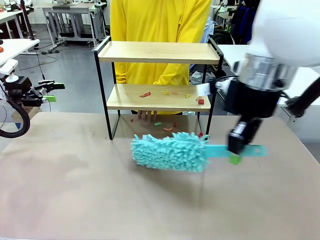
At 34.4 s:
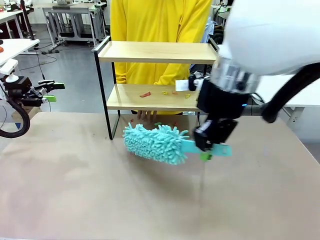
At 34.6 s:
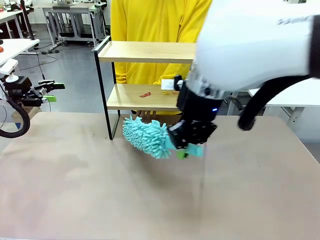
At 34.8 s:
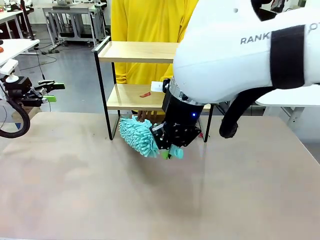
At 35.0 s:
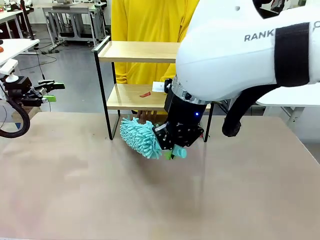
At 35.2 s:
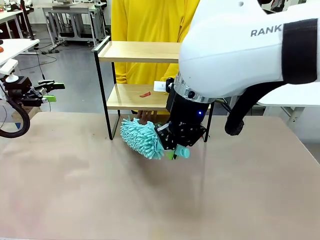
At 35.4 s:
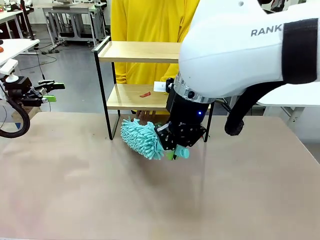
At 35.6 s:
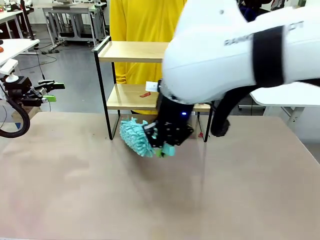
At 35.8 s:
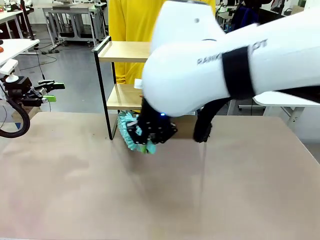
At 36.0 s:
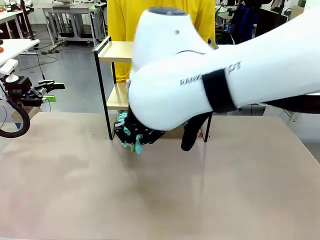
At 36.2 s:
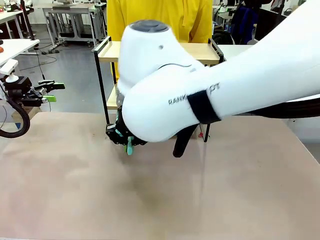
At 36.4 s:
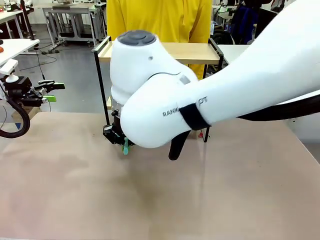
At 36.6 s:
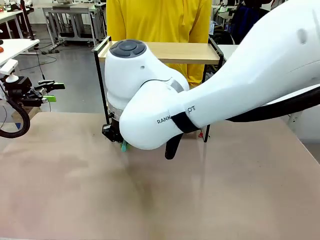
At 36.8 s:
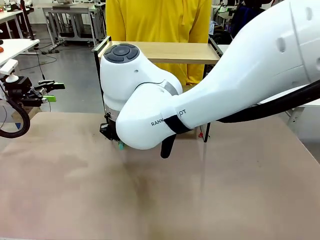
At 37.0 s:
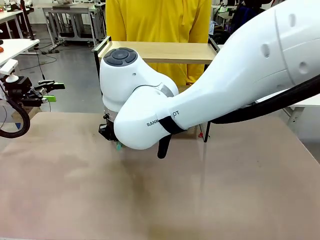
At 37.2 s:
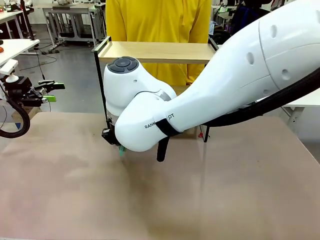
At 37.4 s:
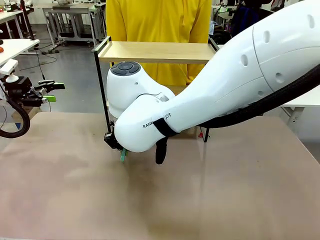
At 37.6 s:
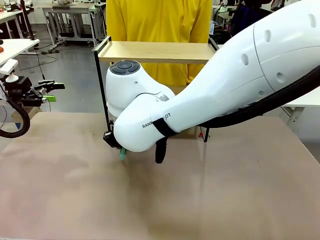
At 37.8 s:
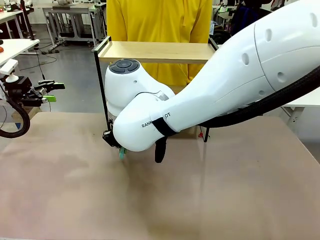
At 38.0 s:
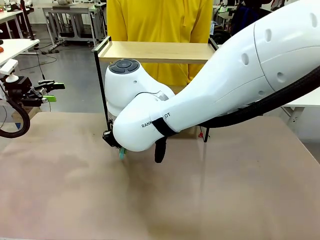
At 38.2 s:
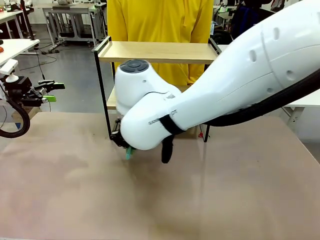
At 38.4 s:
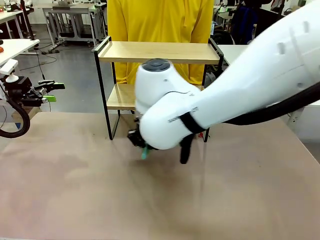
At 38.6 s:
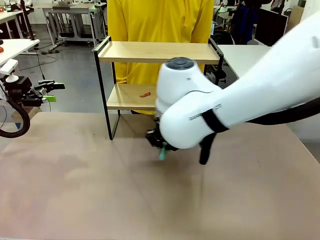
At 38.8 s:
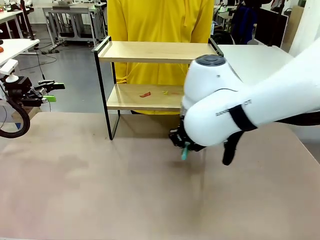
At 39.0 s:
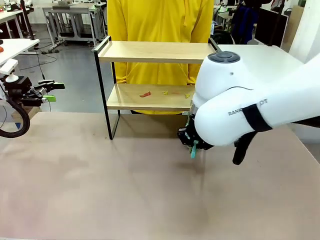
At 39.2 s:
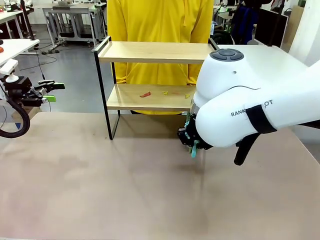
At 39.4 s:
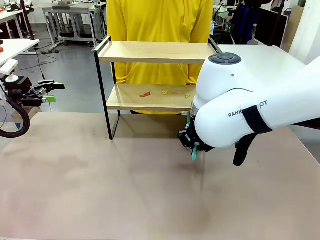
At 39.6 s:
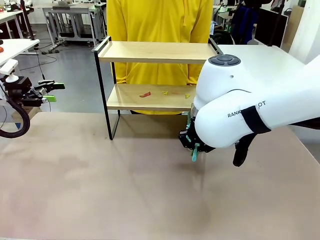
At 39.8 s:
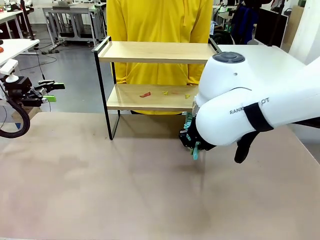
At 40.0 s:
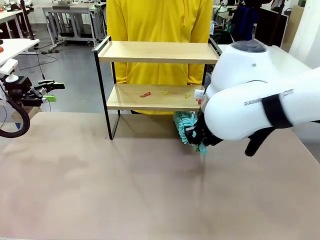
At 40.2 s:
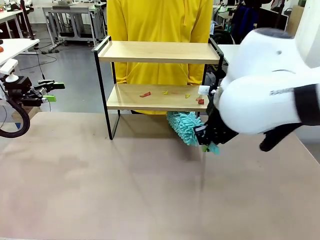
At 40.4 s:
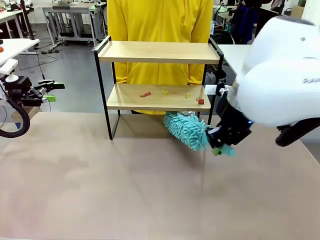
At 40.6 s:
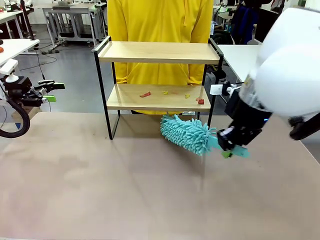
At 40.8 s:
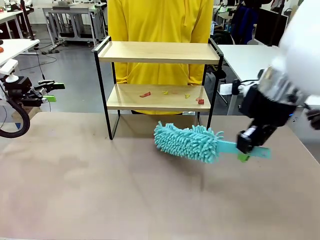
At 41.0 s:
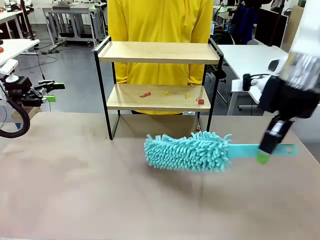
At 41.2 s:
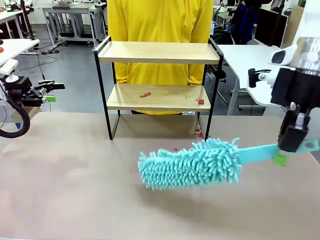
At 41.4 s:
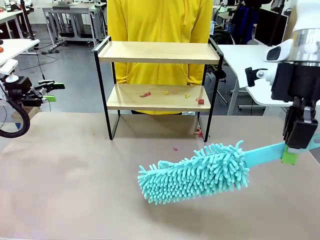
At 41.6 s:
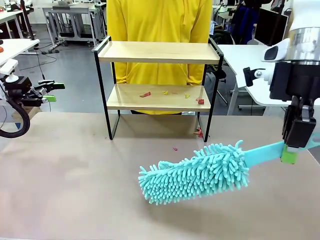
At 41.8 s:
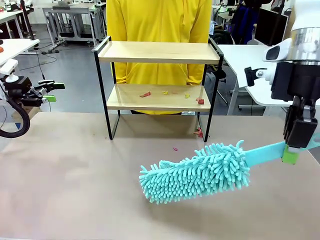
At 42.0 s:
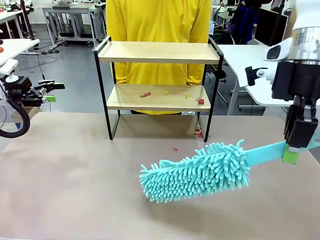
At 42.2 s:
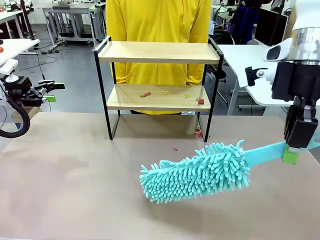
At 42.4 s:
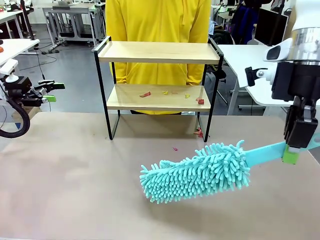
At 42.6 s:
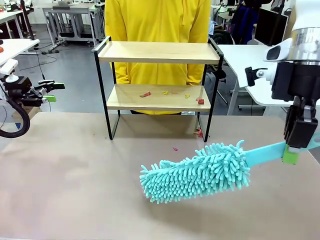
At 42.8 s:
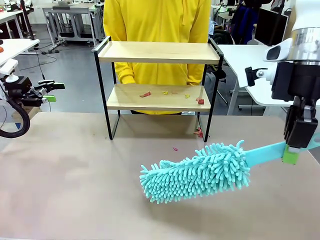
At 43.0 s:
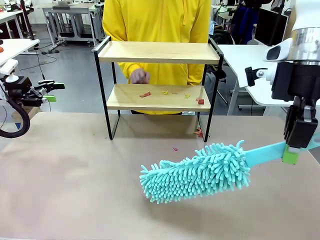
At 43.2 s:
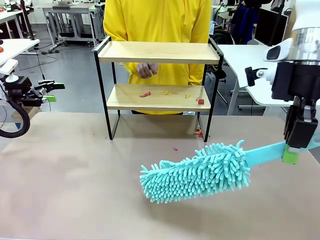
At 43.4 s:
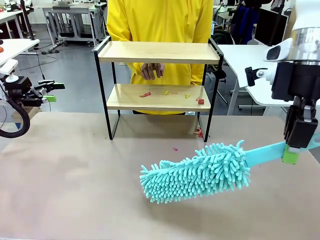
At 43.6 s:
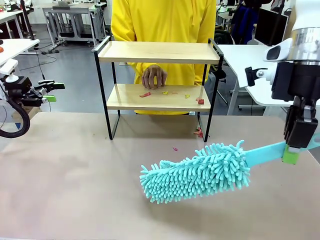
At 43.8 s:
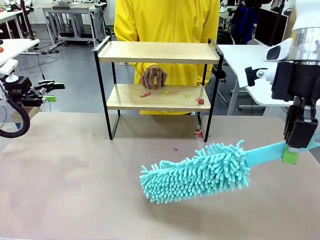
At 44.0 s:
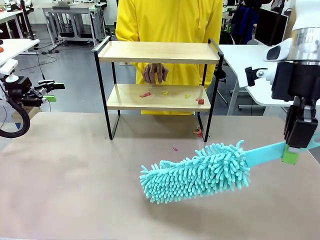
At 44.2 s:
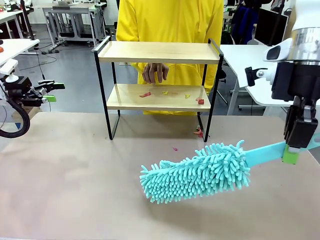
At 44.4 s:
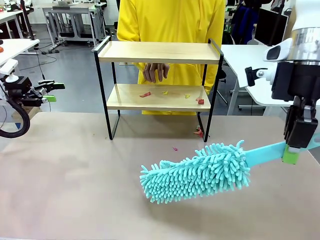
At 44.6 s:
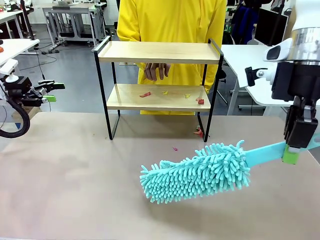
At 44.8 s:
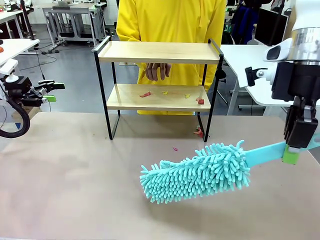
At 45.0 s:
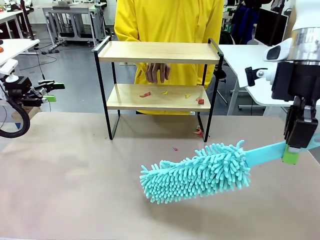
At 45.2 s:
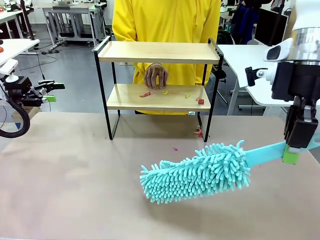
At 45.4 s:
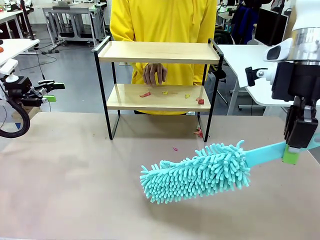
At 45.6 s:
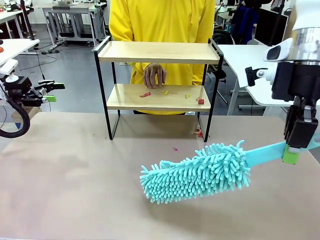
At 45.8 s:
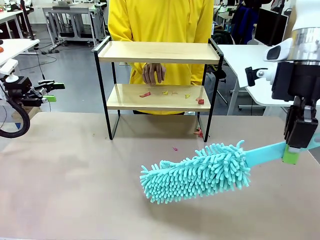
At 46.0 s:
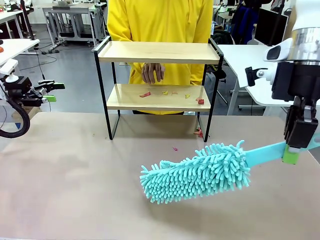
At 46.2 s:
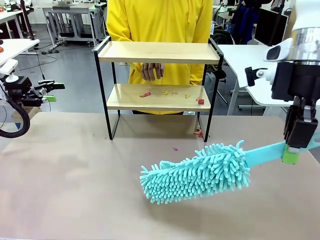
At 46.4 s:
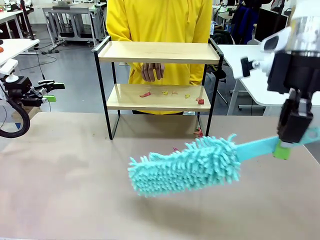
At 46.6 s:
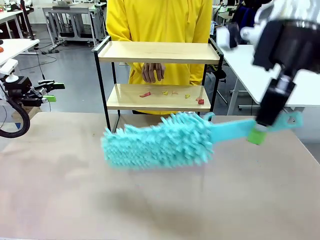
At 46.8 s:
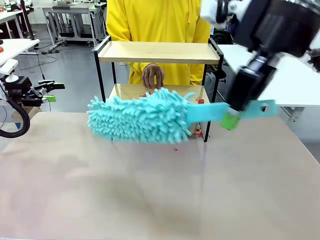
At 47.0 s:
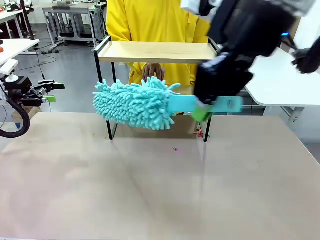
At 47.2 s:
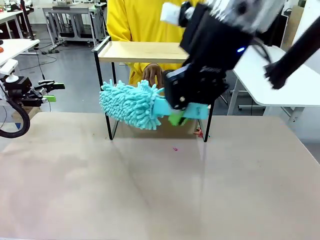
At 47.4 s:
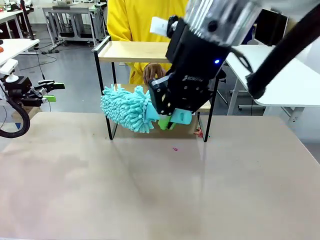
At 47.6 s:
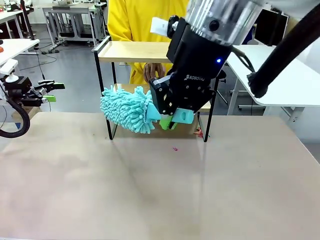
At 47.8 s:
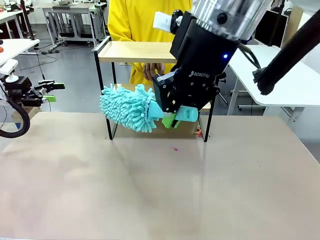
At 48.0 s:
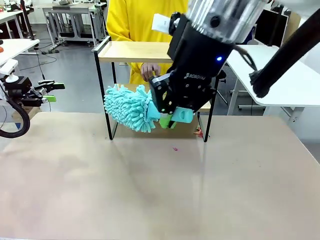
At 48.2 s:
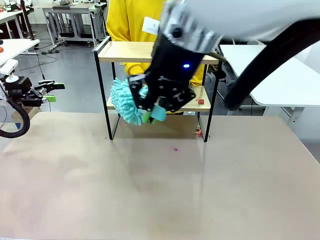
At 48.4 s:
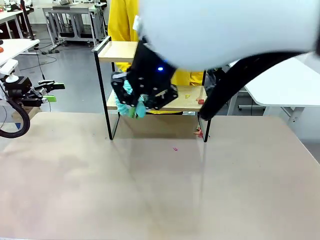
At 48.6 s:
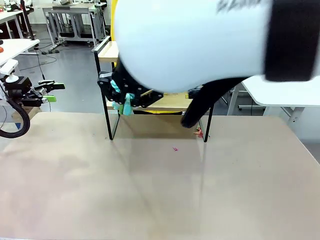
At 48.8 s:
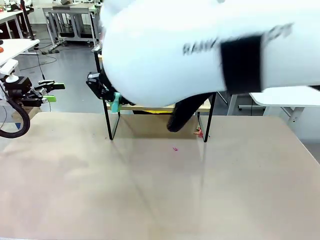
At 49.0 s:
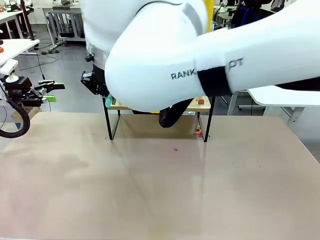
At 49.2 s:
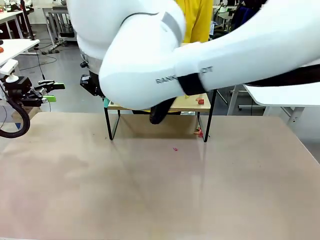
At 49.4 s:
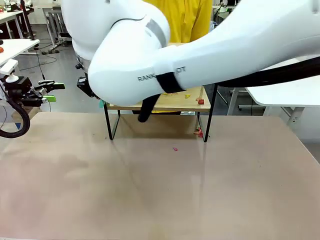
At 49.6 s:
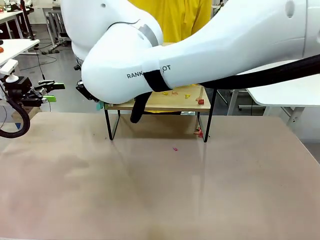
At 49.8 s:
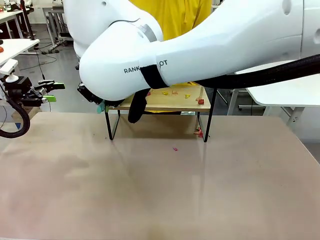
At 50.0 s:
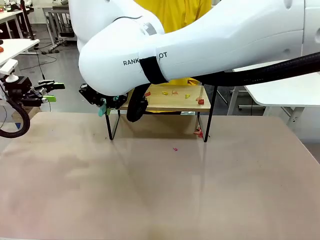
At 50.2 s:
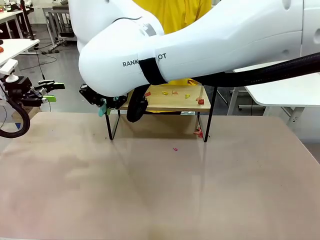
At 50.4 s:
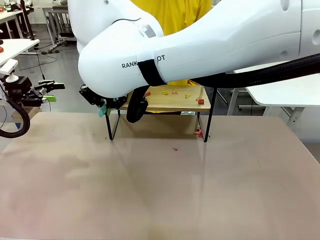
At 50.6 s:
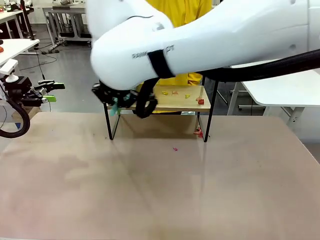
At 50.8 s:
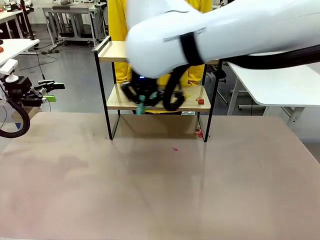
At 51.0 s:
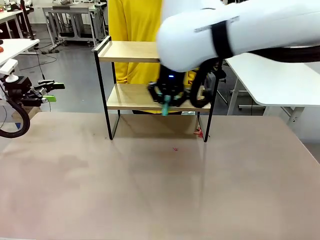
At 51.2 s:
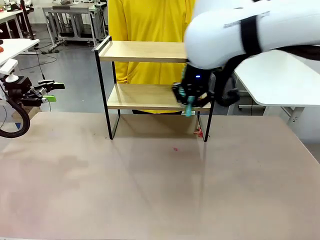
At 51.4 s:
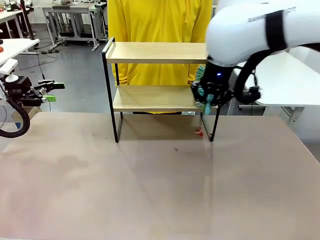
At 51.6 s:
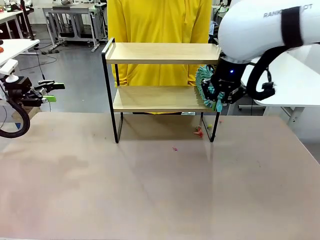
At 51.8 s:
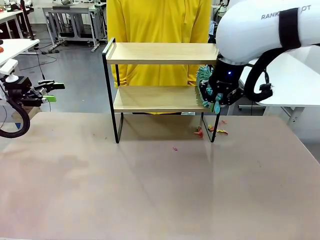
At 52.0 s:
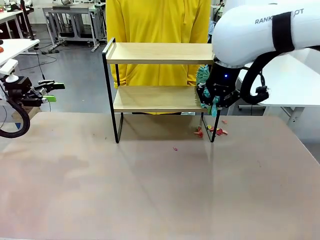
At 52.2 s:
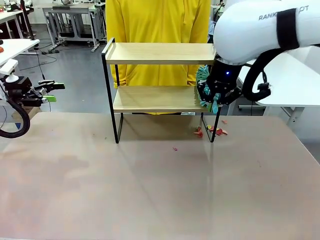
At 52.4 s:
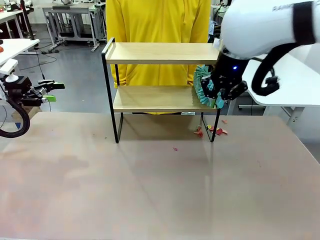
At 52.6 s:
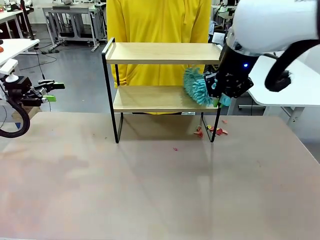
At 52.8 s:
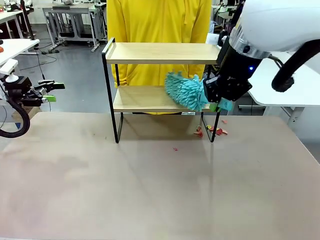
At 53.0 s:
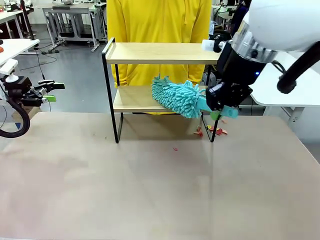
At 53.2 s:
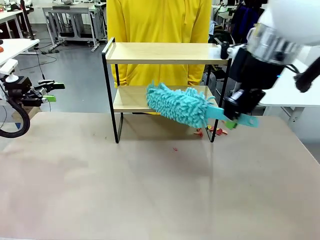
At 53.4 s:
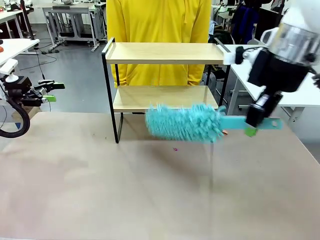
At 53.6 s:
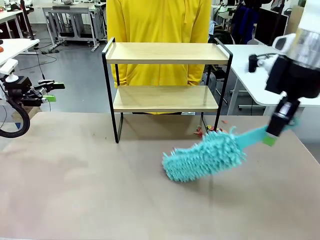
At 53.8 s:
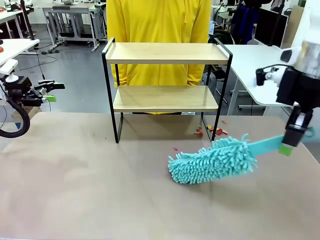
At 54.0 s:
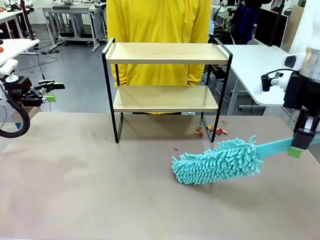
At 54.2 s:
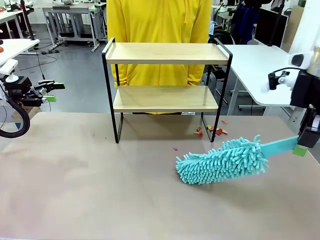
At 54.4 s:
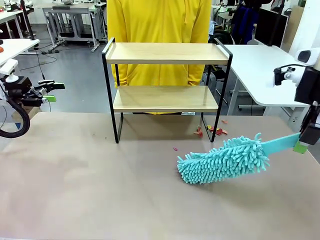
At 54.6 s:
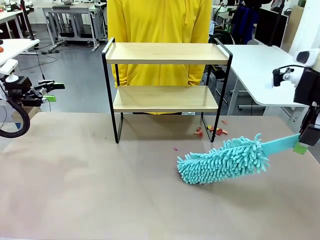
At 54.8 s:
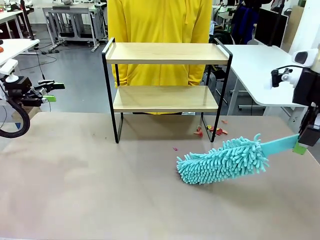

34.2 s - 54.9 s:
Task: Clean the shelf.
Robot: Clean the specific section of the Shelf indicated by the human with the Duster.
Person: Point a remaining section of the Shelf.
